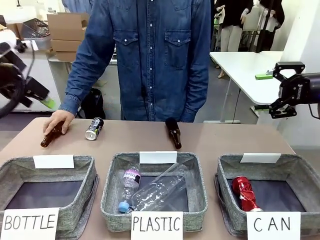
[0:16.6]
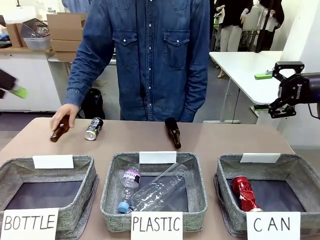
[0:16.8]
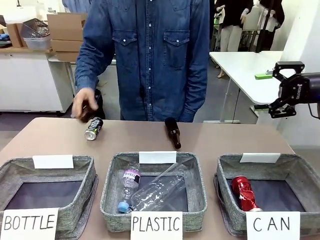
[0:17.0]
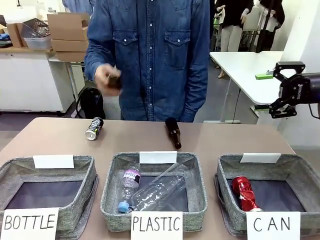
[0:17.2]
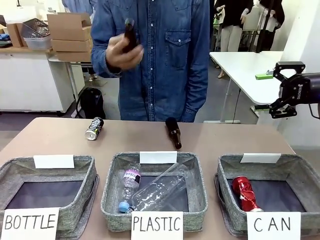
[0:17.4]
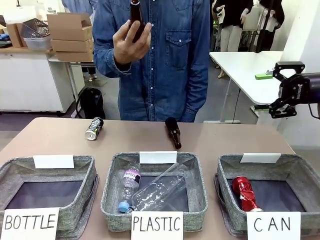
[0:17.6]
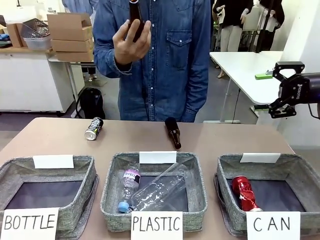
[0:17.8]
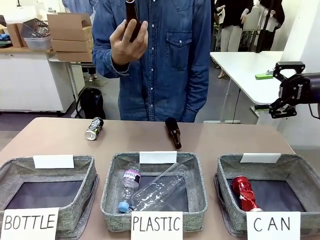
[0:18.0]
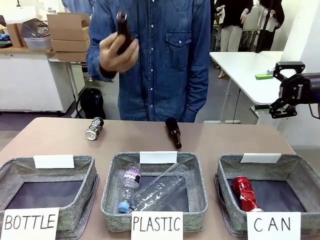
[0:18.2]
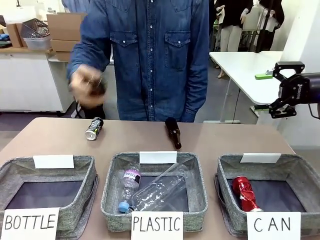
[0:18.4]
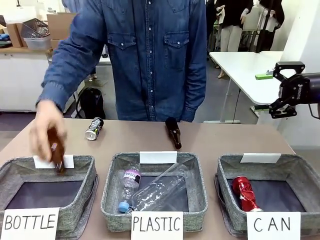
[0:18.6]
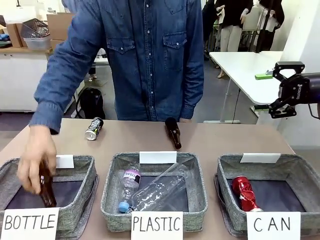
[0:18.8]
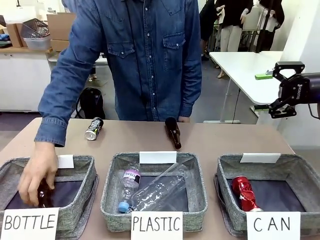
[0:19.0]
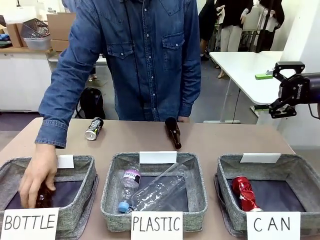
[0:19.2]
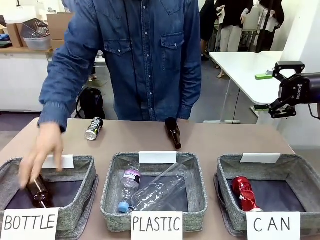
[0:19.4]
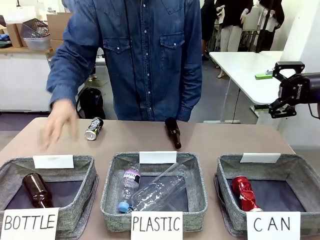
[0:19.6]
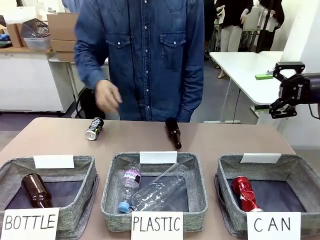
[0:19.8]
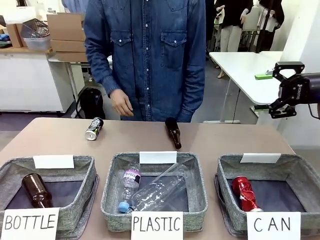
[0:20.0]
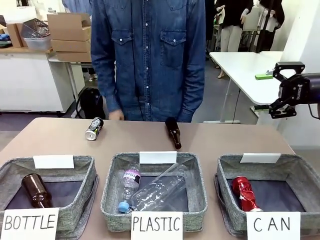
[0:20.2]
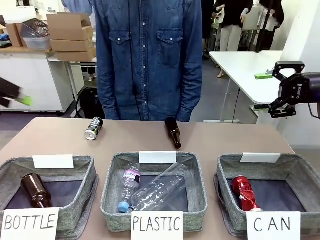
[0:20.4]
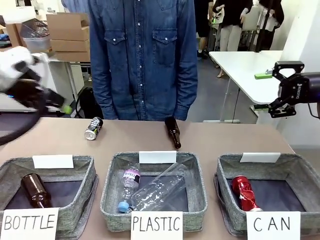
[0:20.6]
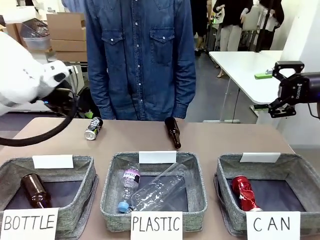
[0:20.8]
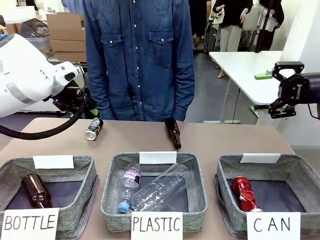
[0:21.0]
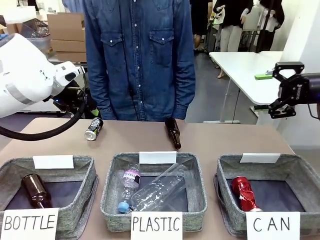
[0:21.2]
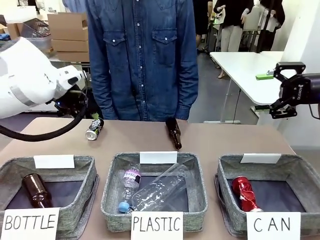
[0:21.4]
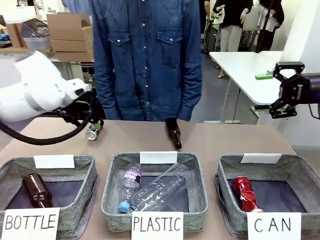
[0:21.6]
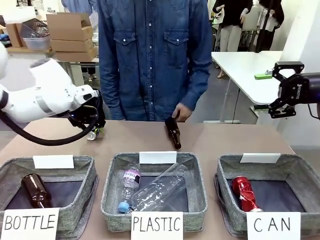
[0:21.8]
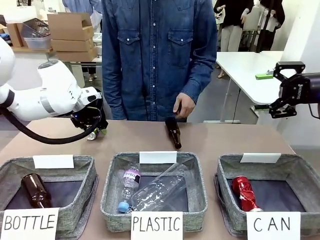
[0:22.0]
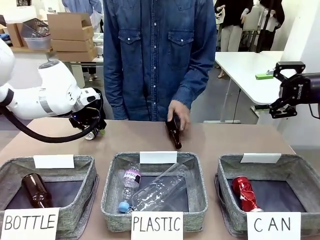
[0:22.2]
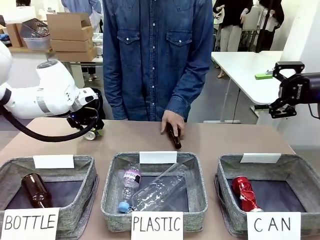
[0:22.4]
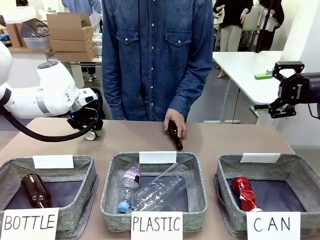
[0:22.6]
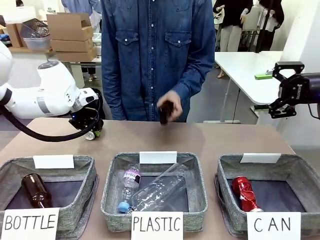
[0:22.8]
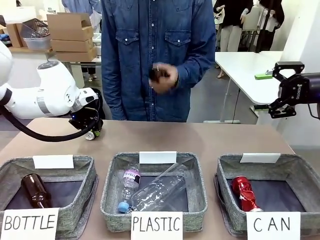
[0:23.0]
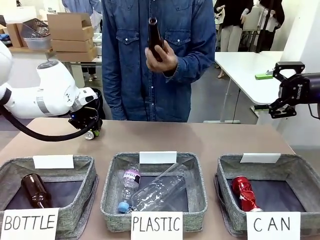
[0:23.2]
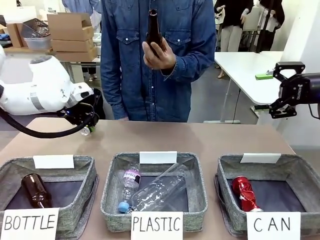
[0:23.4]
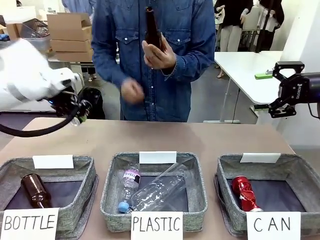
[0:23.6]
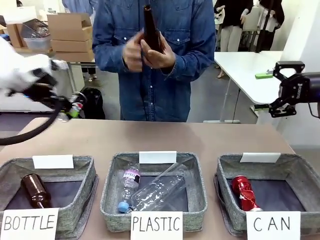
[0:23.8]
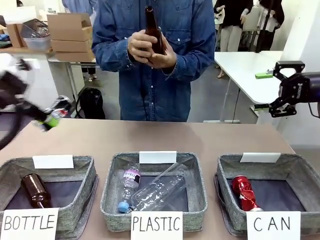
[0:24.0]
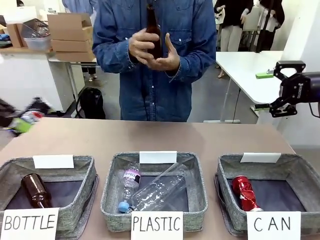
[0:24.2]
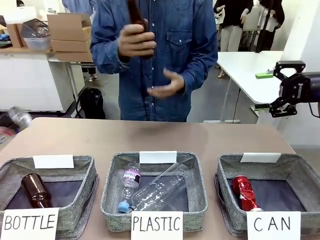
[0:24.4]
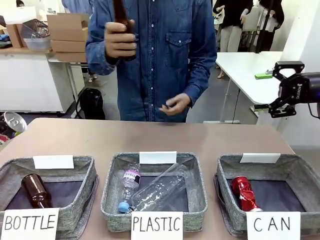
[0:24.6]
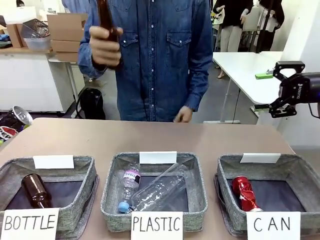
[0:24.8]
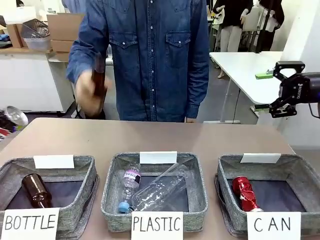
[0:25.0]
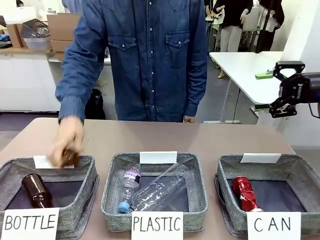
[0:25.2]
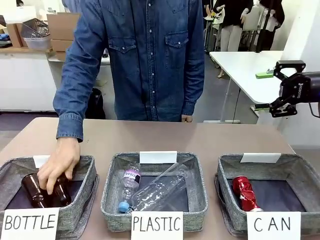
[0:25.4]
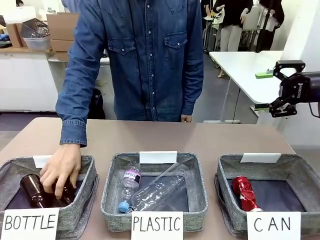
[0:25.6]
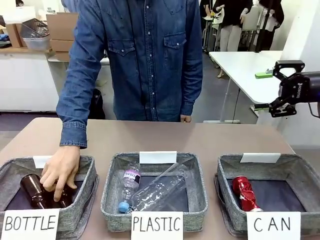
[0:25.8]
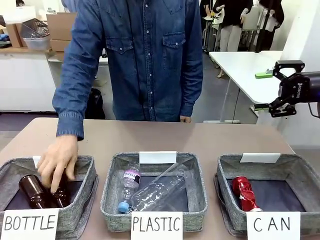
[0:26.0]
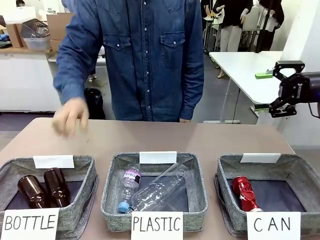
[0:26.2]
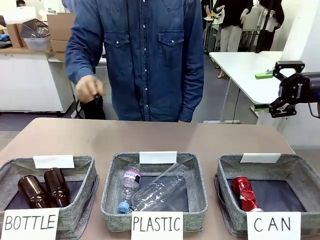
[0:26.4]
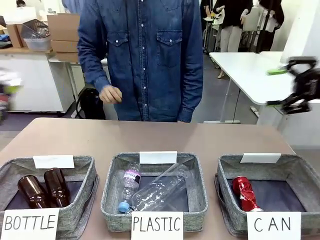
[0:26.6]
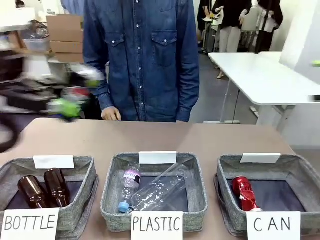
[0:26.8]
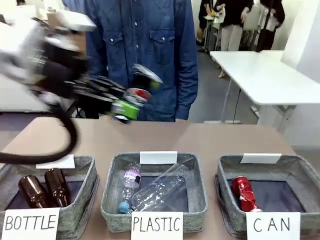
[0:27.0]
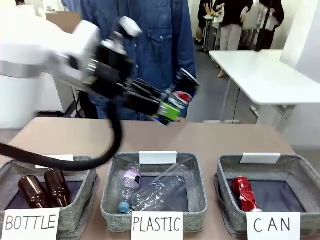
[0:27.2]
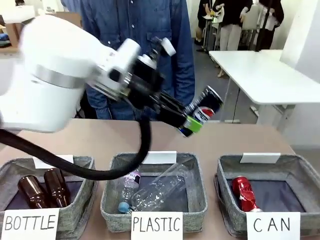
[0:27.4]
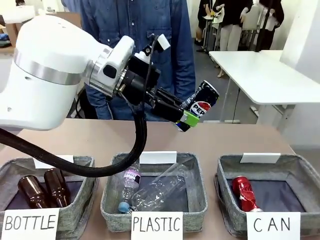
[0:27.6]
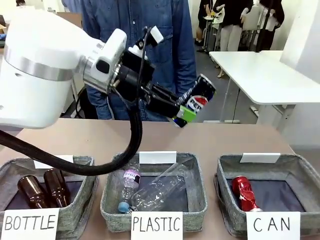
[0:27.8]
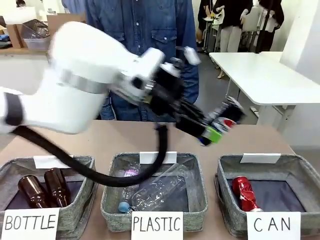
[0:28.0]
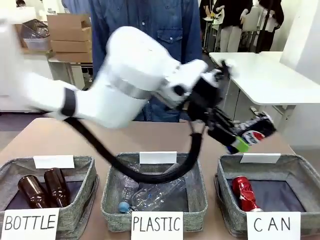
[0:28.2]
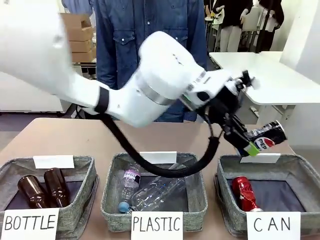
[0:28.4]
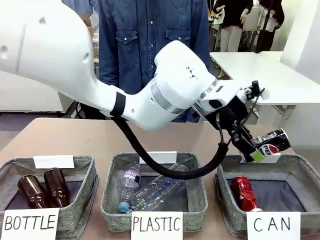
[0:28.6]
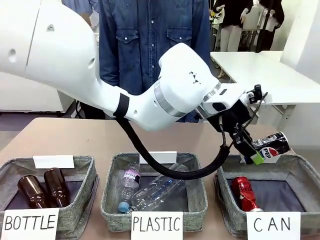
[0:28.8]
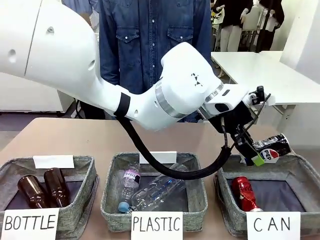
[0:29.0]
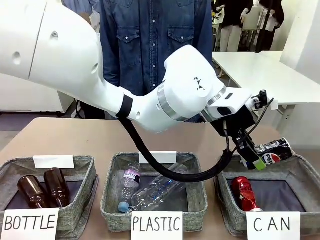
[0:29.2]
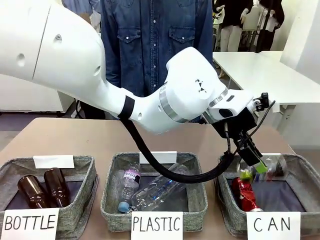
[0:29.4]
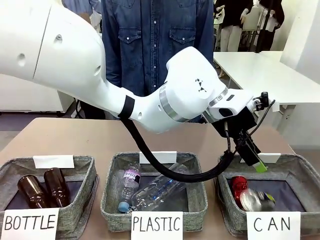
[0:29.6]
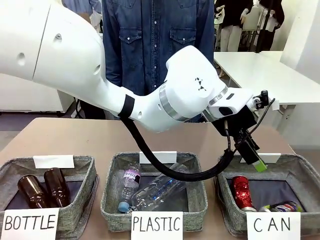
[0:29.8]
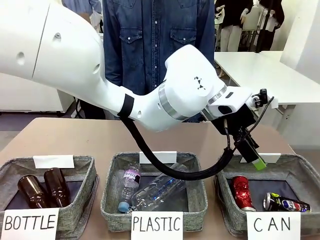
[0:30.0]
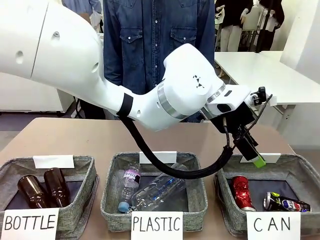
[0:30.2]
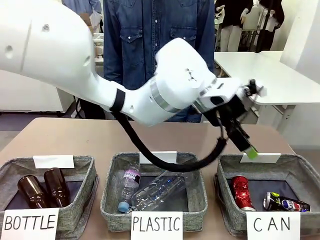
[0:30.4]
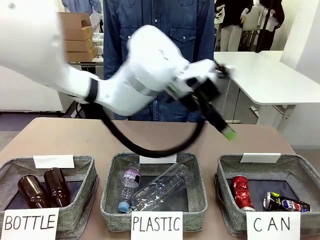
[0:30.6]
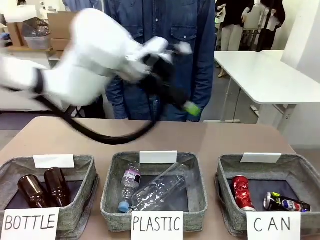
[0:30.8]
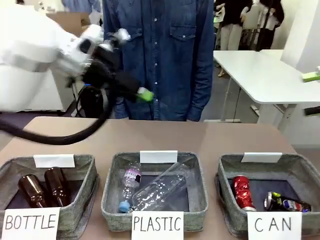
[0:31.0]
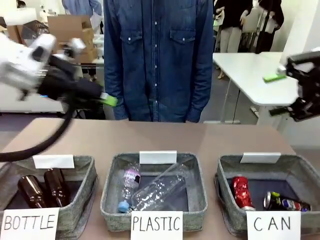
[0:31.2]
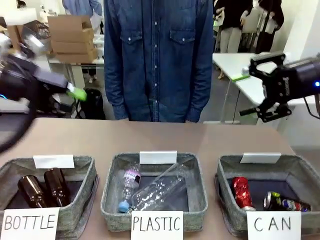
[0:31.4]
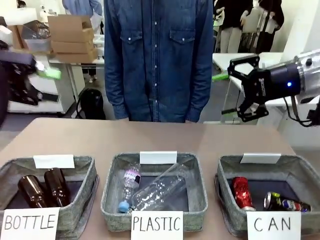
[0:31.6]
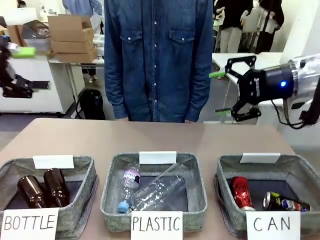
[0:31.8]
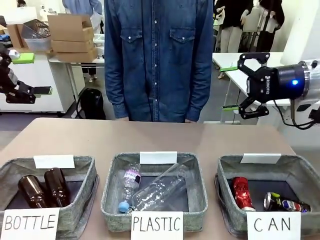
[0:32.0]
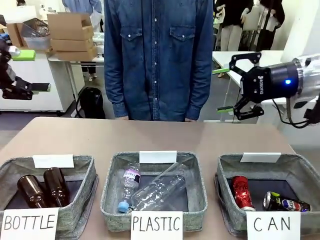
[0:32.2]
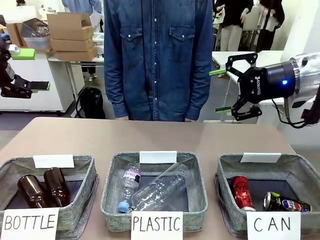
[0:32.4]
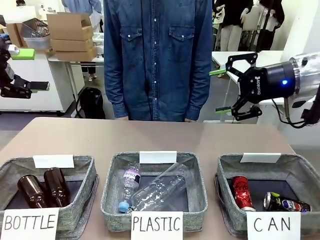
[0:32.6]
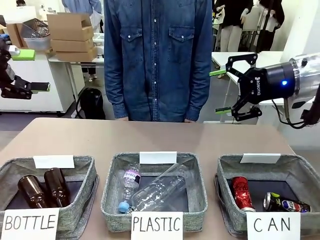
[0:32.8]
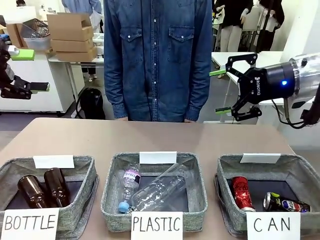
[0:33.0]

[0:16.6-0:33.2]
Task: Sort the can waste into the basket.
Robot: Pick up the can waste from the table and place it in the right Fabric basket.
